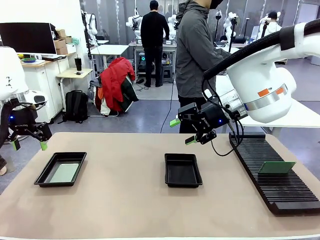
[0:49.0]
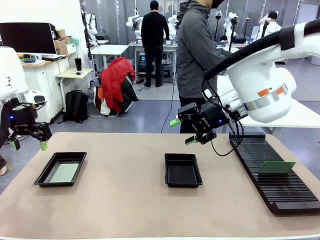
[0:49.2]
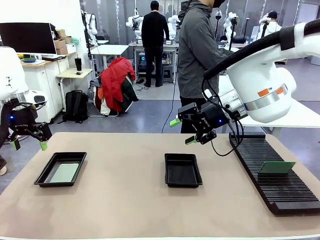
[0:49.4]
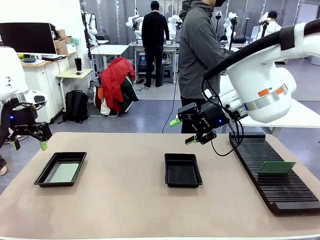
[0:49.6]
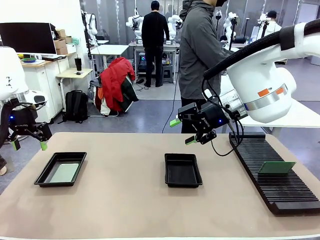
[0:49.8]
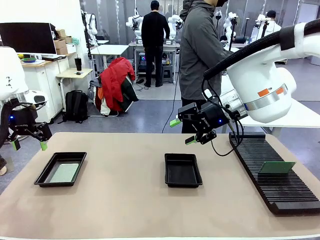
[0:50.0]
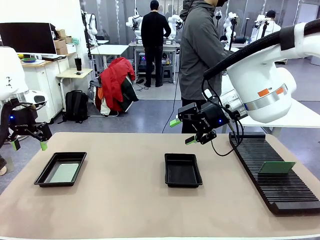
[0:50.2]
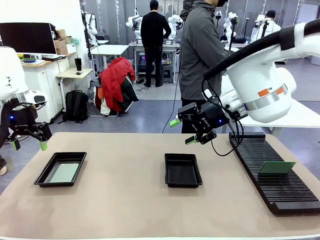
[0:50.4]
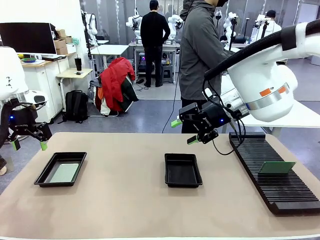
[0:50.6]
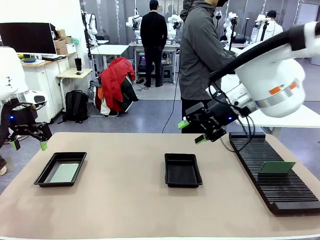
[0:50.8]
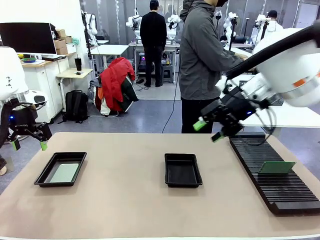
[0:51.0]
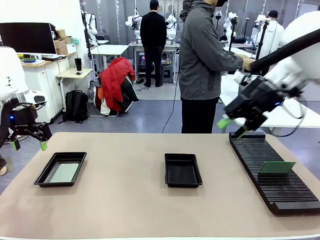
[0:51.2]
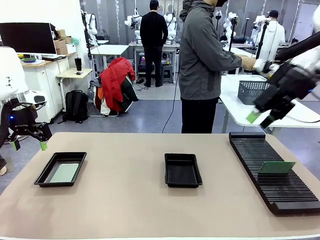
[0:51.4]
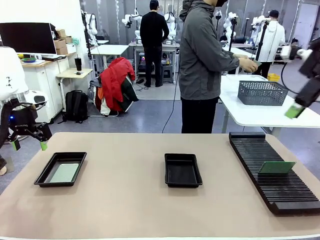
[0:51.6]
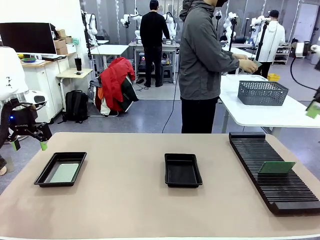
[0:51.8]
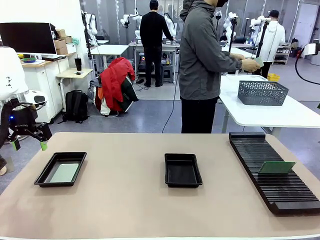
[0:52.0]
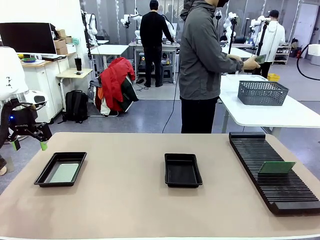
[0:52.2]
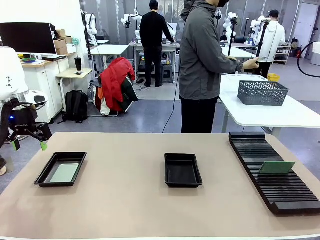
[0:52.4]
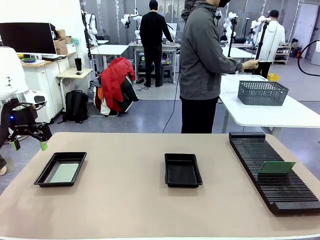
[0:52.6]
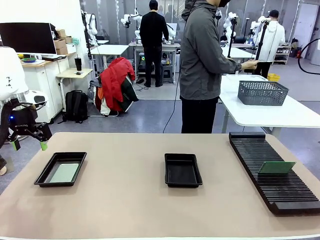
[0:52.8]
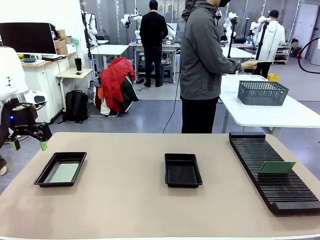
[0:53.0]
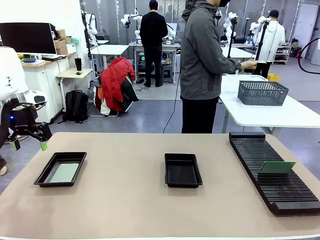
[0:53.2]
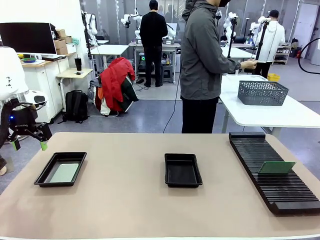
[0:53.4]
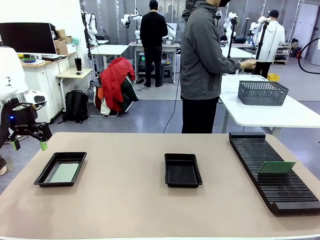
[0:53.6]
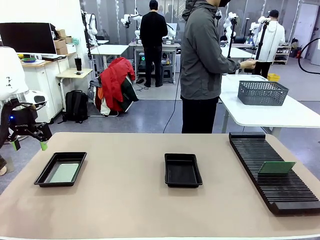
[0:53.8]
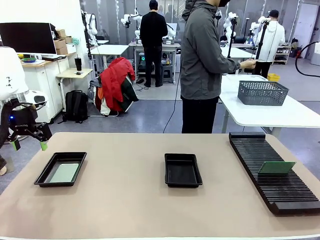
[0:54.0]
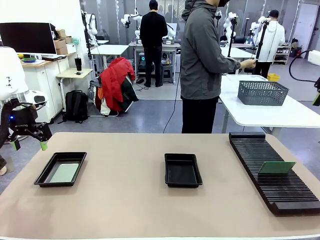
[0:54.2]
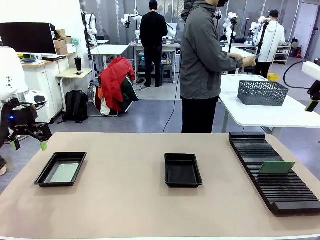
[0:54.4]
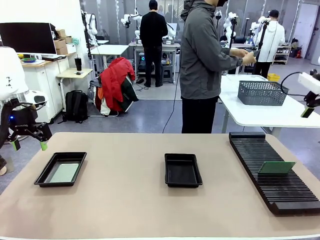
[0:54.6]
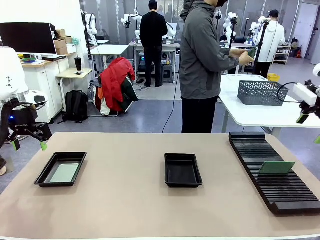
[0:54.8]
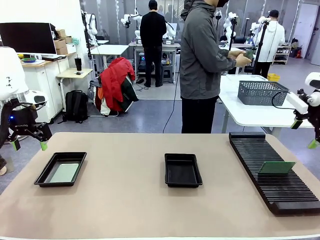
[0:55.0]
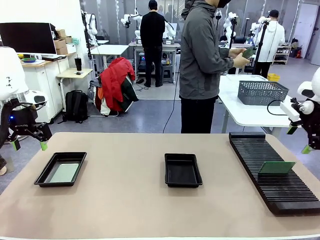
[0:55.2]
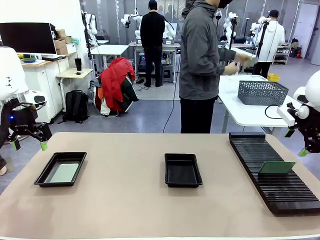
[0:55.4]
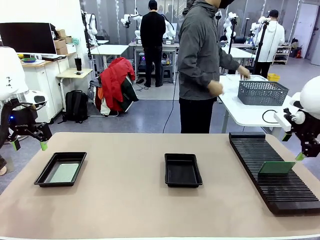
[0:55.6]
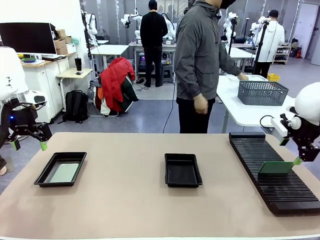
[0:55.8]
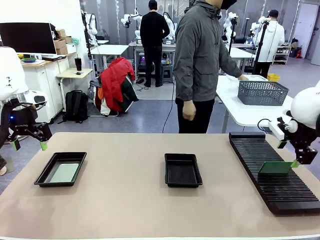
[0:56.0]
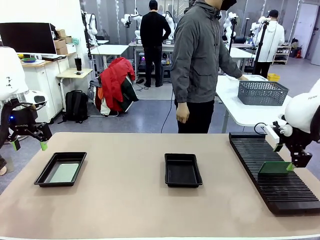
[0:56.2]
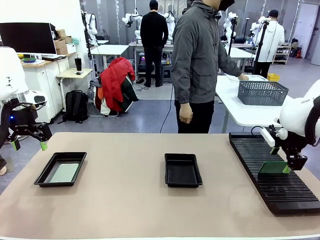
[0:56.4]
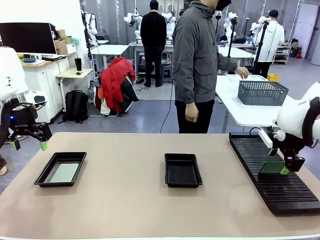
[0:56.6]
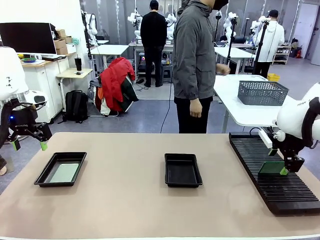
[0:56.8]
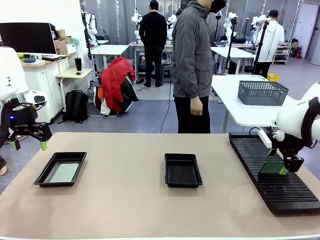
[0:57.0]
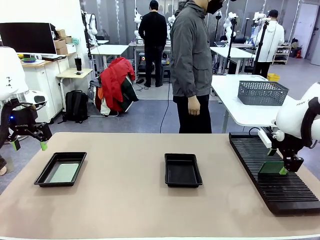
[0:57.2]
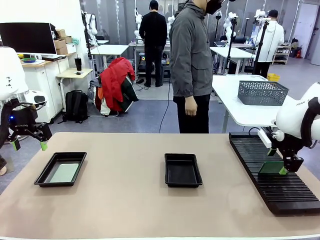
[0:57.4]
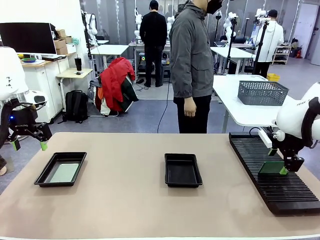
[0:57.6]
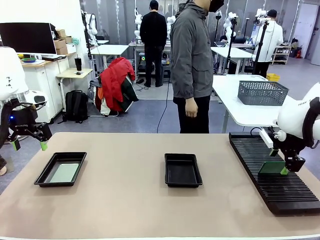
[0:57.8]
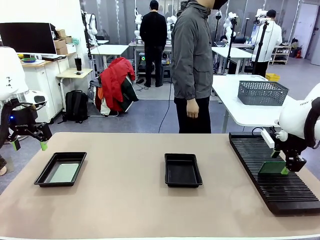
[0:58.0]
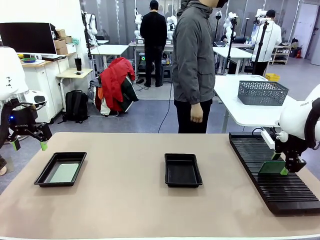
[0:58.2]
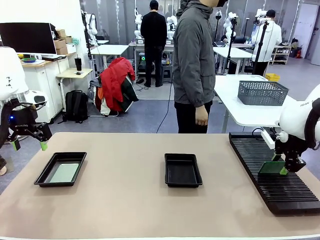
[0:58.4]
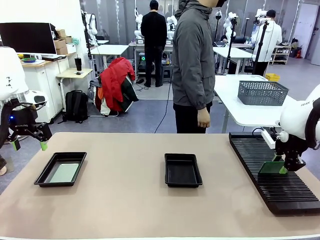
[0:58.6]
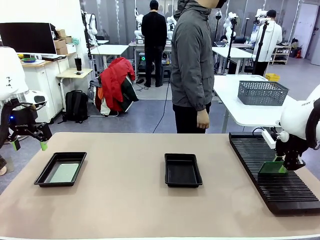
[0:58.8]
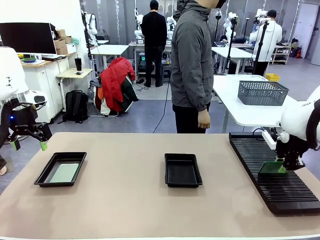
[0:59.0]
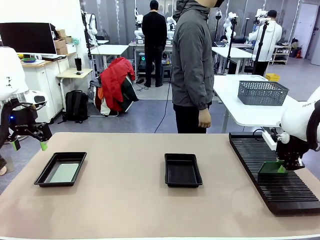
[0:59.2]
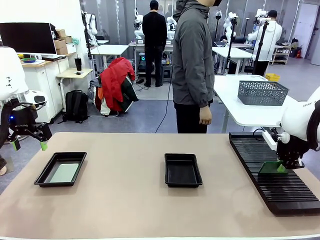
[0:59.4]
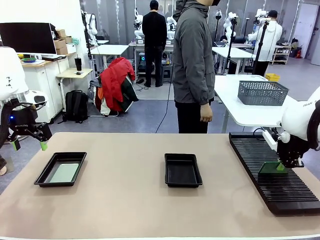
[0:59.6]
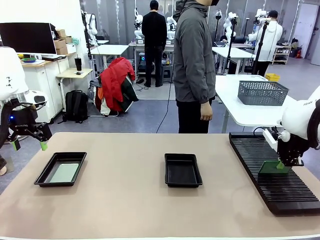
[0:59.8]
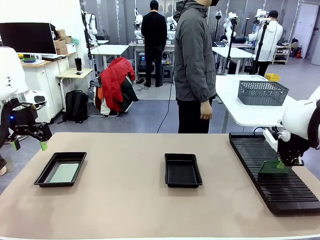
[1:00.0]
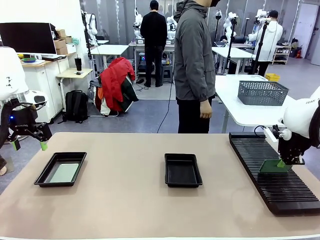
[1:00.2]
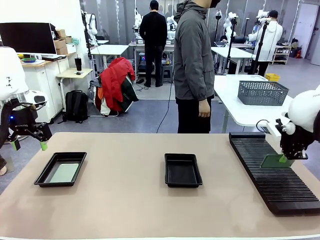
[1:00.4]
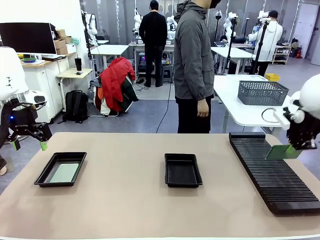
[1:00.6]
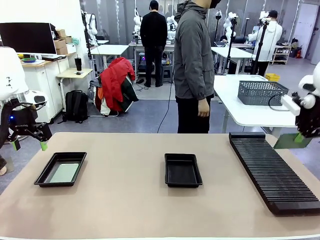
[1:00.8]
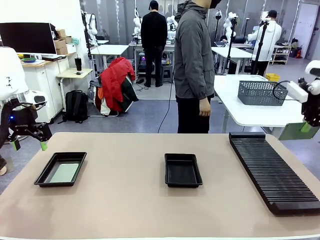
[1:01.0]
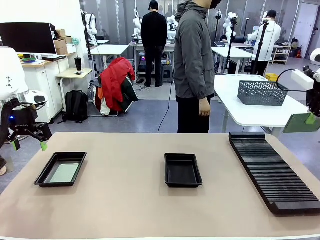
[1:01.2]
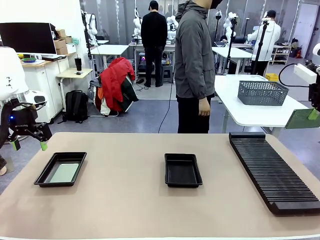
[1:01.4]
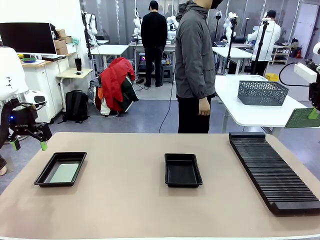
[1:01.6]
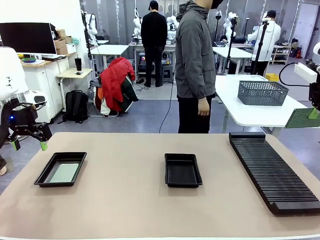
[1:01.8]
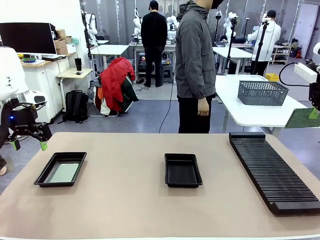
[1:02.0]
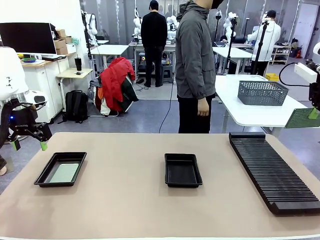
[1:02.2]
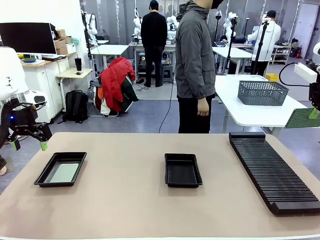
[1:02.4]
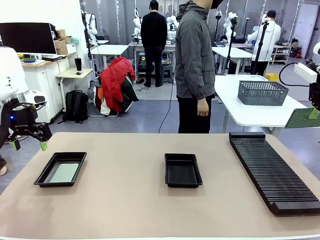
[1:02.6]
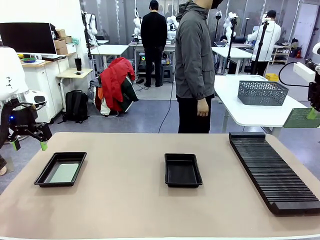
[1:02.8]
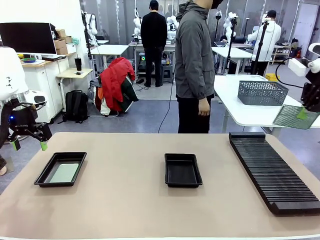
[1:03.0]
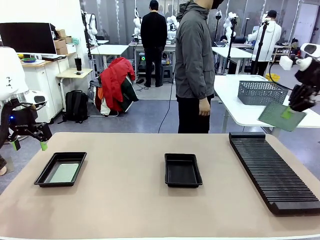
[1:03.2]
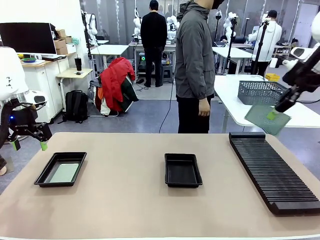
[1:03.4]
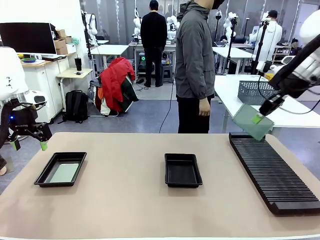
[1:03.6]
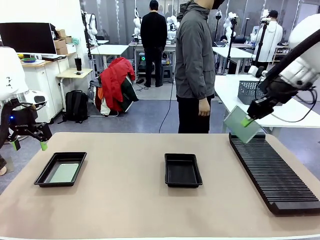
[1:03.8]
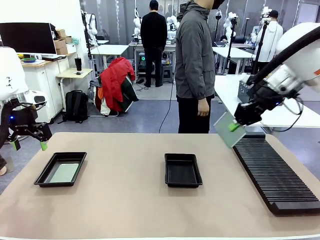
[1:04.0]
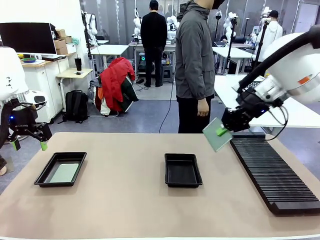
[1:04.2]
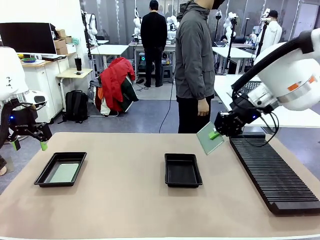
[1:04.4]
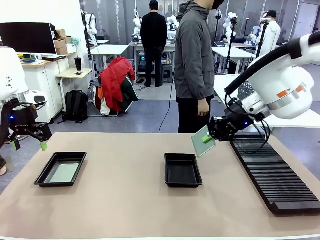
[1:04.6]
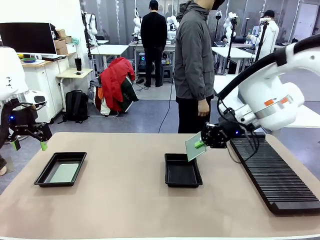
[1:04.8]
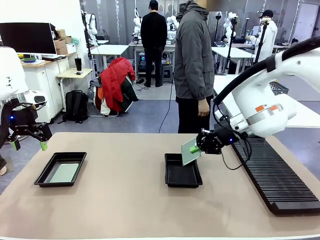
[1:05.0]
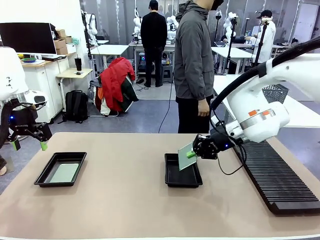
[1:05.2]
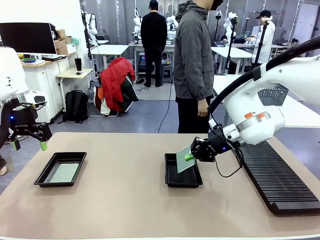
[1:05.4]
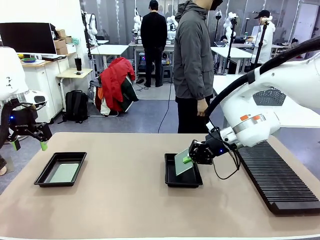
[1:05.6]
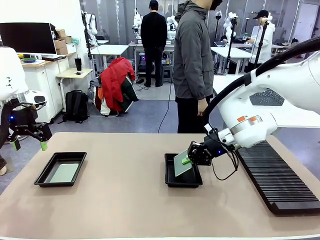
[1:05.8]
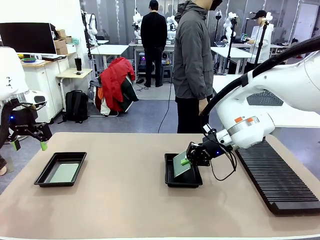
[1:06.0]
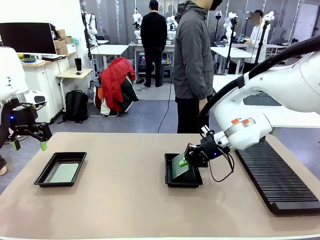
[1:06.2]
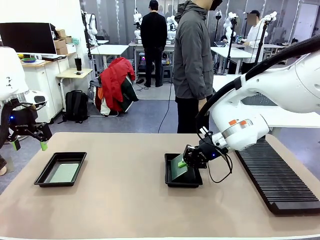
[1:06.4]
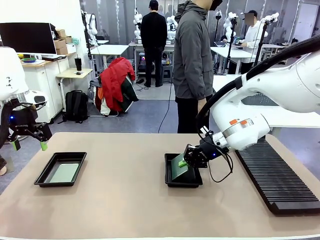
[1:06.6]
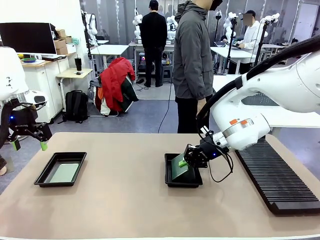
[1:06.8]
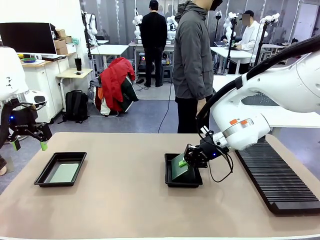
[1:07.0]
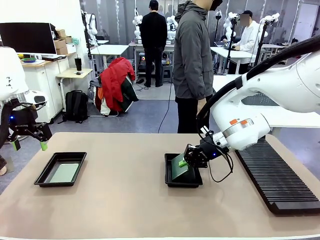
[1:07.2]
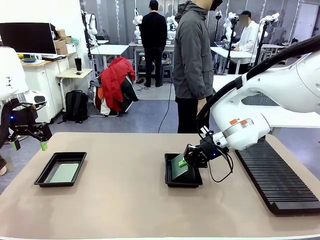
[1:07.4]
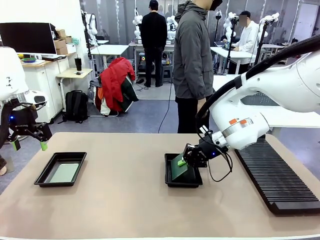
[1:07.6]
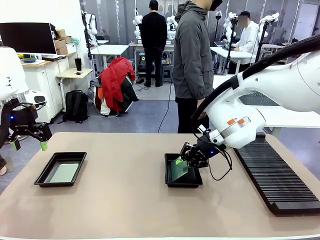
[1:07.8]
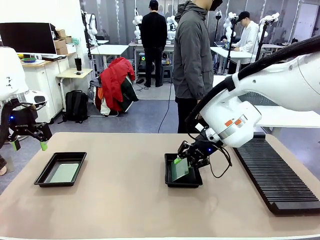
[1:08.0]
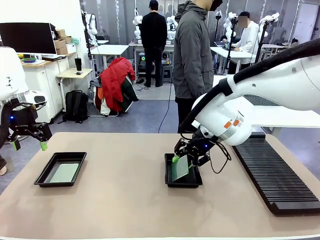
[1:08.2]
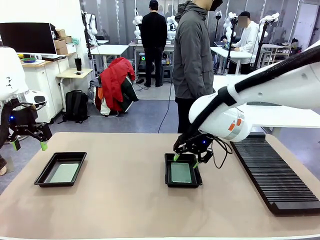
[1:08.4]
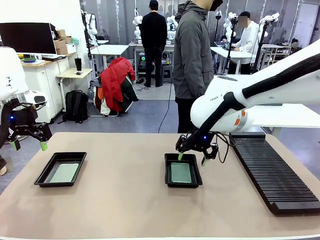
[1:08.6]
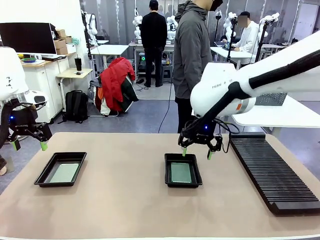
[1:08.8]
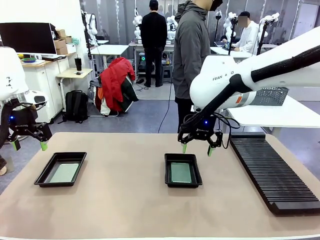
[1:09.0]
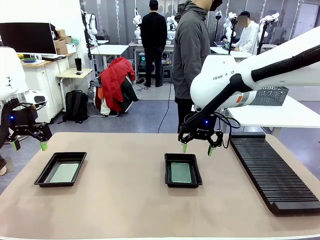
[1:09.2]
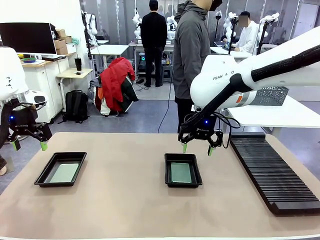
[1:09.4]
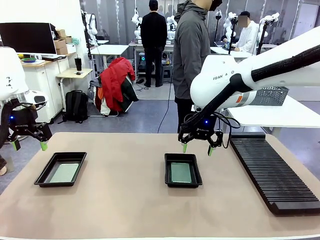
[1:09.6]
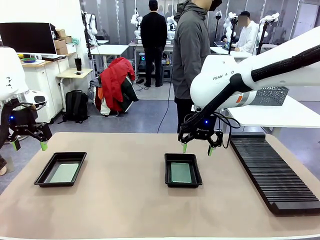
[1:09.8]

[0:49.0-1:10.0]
Task: Inspect and transfer BCBs to ESD trays.
Robot: Pick up the Blank PCB from the PCB Rack and place it in the right ESD tray.
